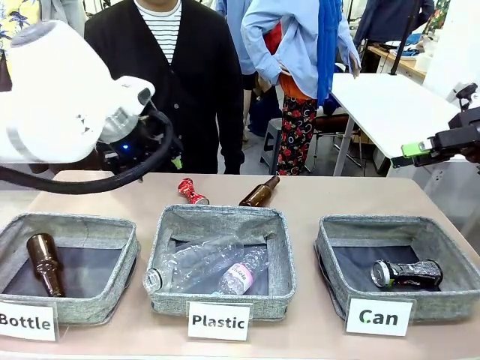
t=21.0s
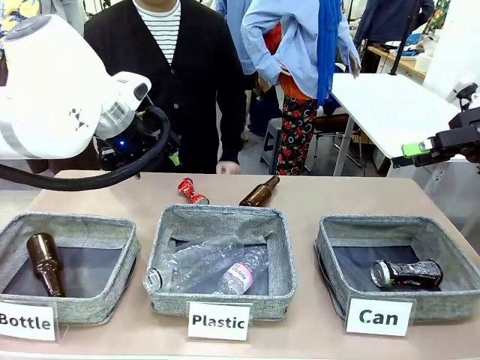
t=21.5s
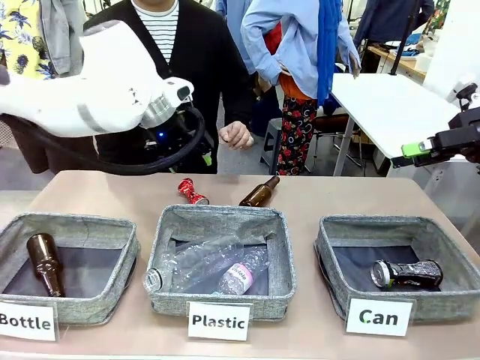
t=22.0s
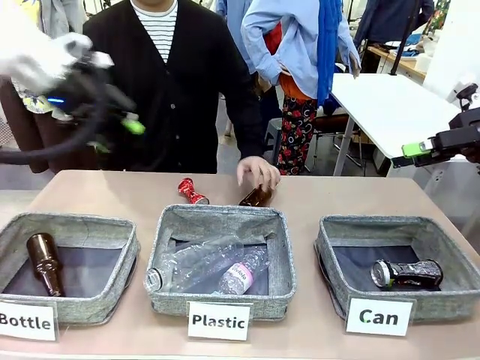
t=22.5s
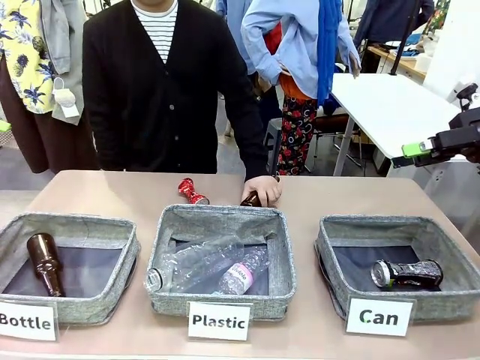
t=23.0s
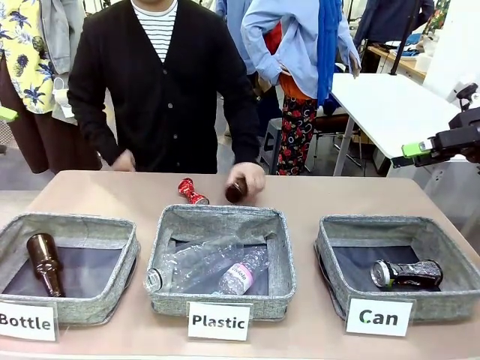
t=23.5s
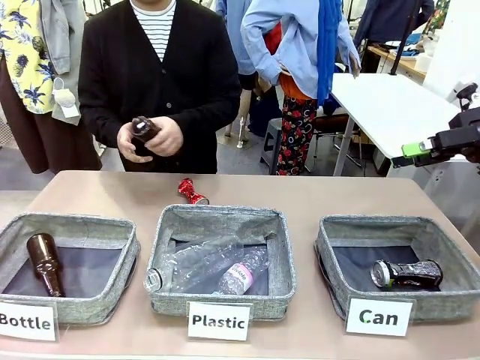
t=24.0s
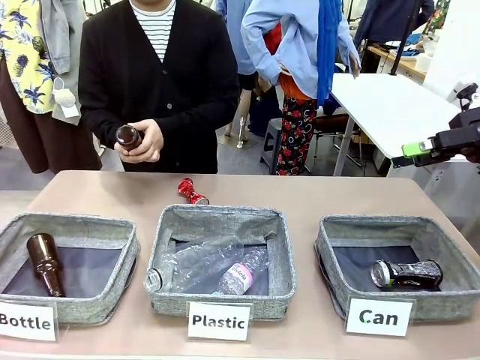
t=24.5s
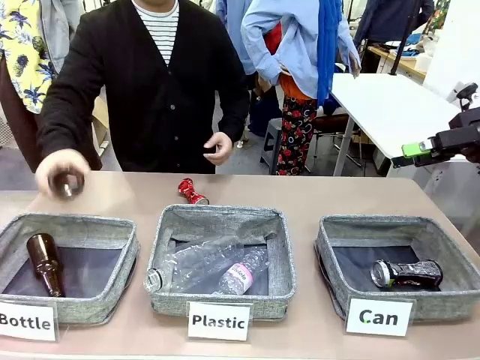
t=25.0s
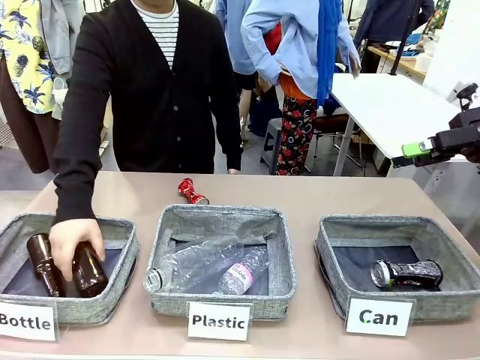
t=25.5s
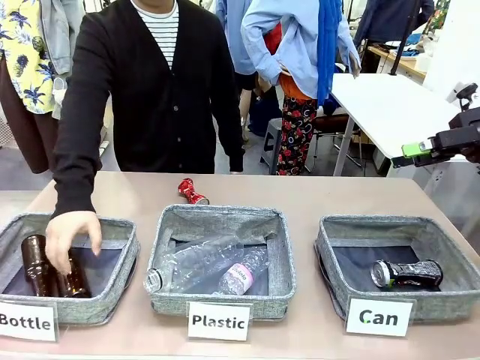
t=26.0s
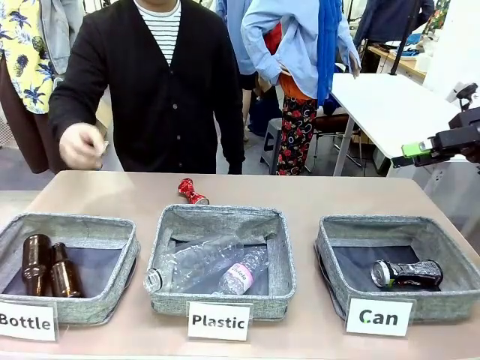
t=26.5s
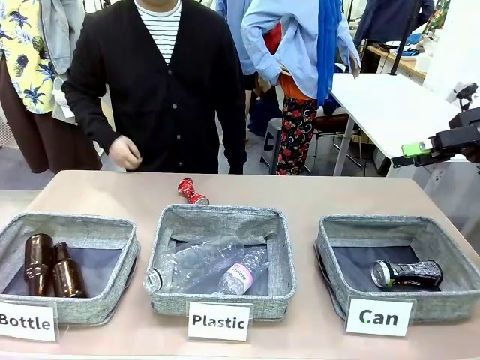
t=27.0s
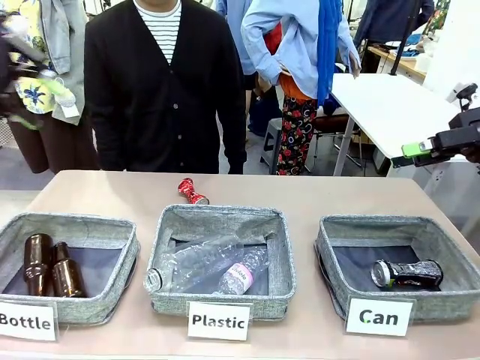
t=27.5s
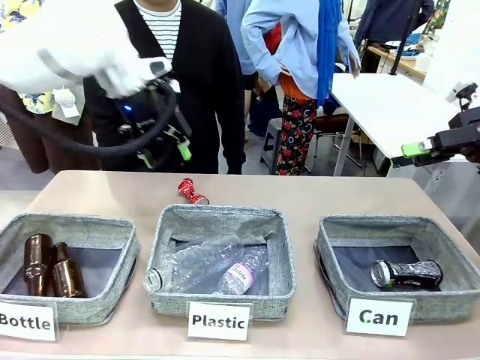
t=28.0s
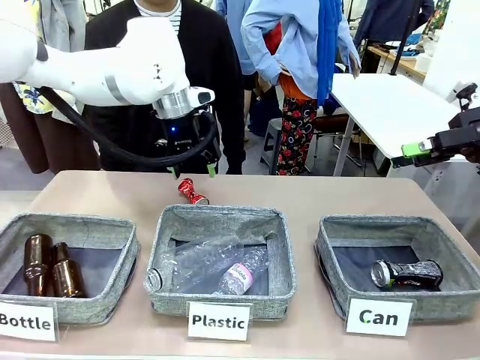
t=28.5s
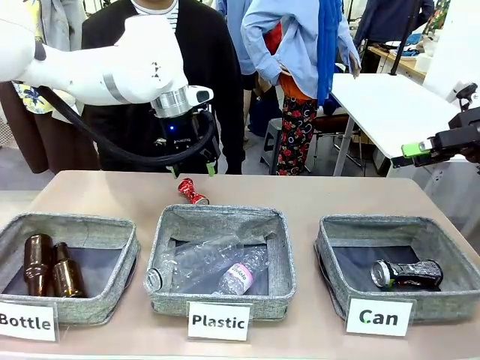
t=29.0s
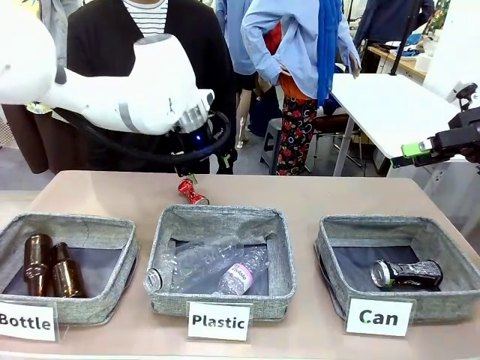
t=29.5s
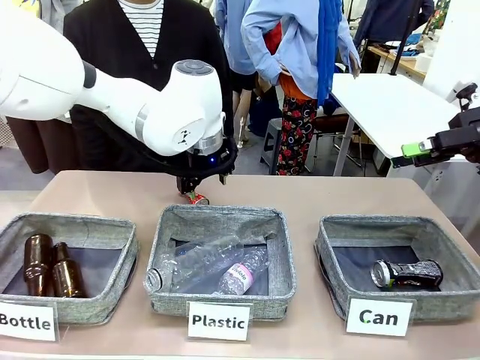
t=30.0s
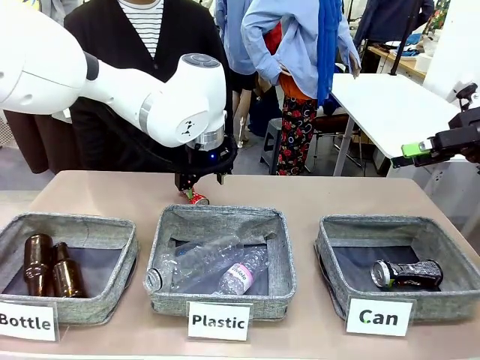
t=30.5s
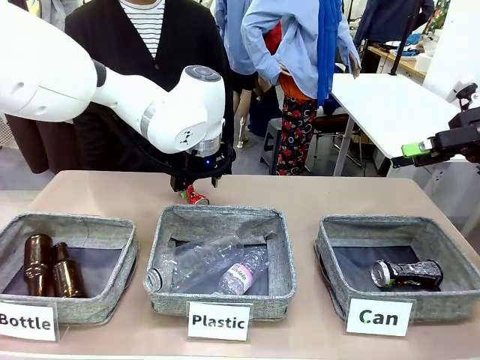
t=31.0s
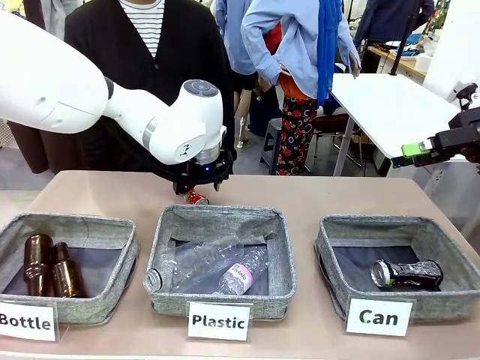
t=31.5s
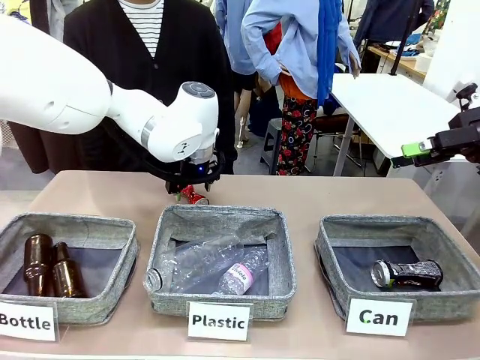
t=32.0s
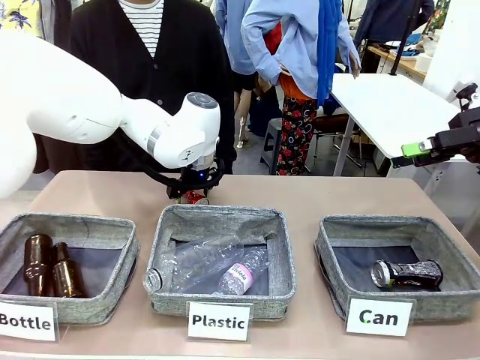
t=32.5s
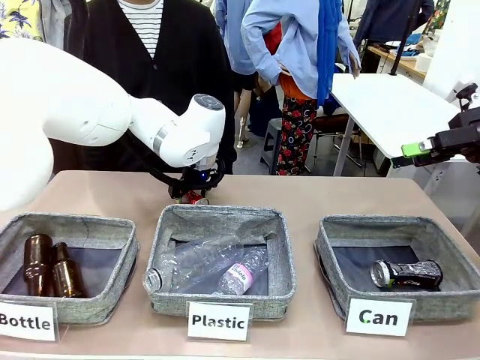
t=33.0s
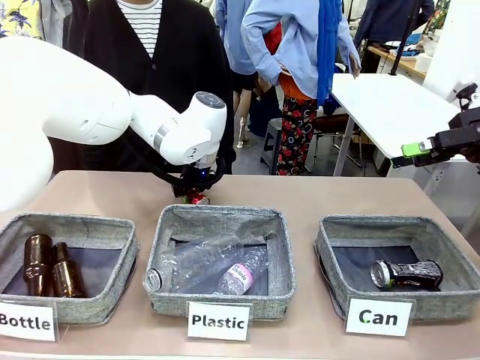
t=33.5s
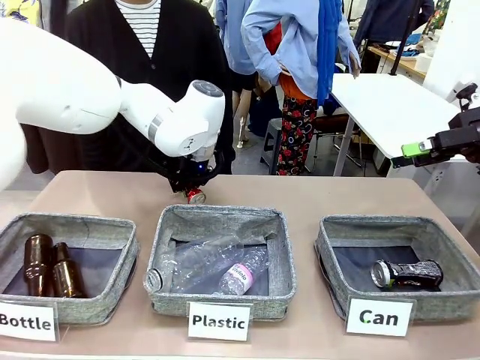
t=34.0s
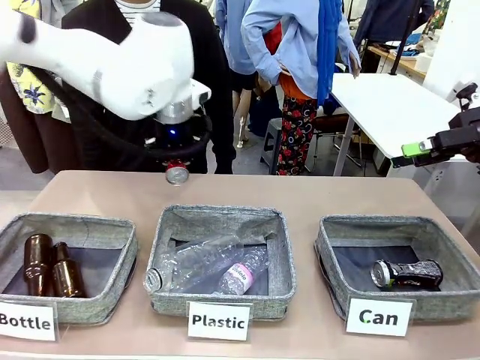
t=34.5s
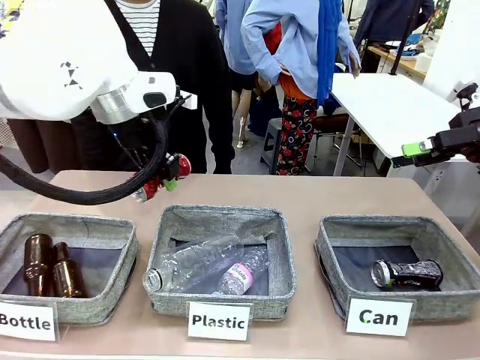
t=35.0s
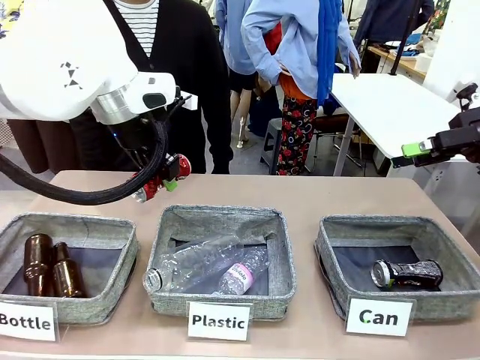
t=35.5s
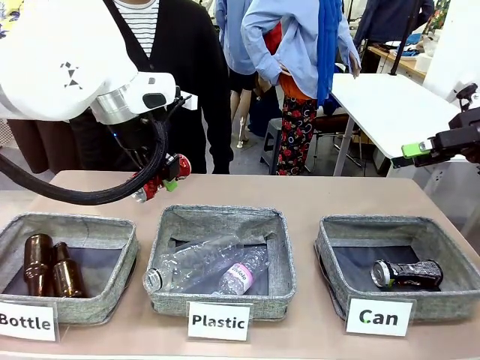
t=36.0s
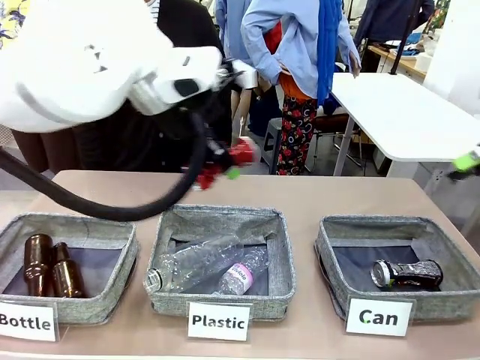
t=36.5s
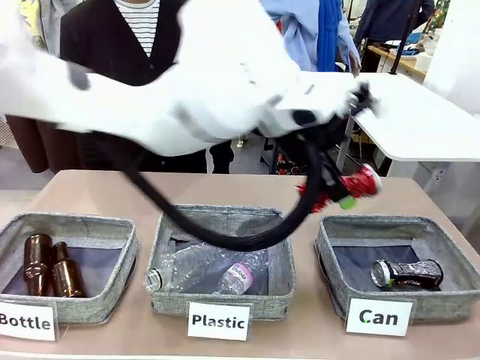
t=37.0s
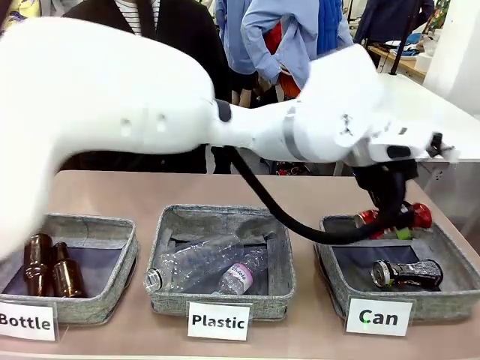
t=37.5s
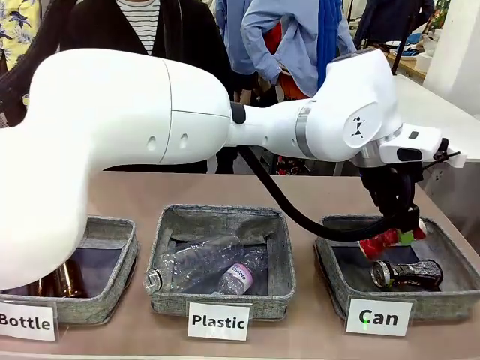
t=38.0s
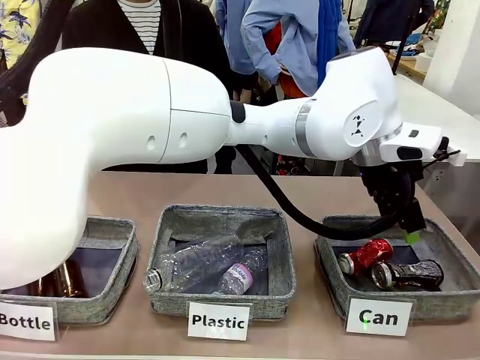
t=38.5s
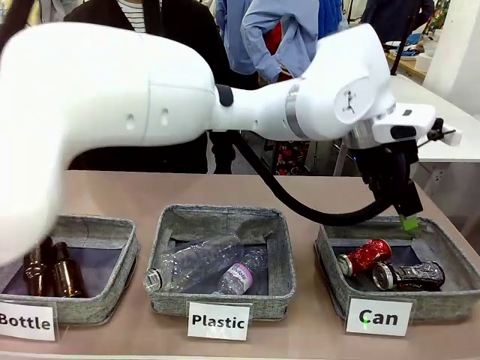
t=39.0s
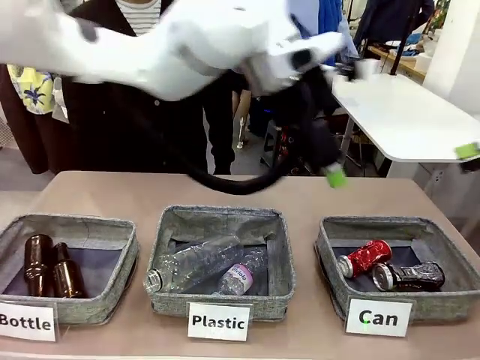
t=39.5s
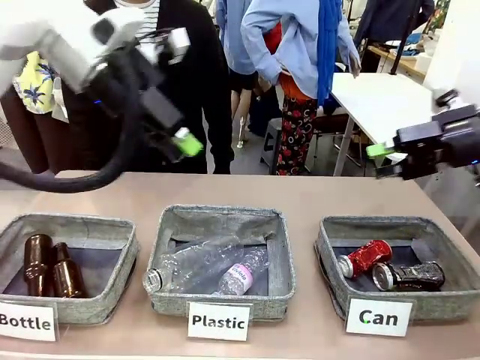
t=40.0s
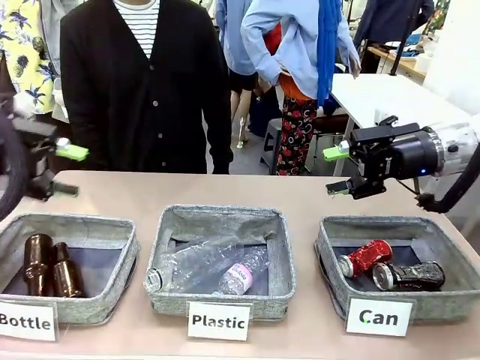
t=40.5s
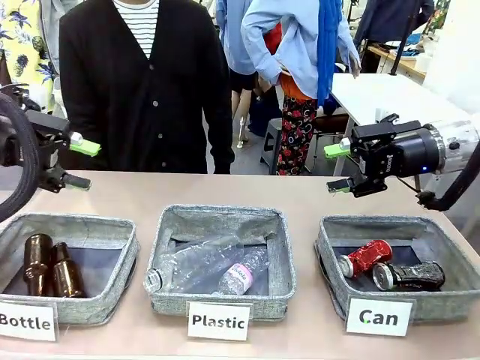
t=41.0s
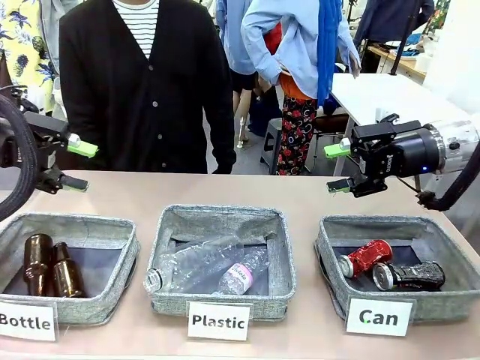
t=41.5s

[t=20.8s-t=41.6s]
Task: Sort the can waste into the basket.
Robot: Pick up the can waste from the table and place it in the right Fabric basket.
